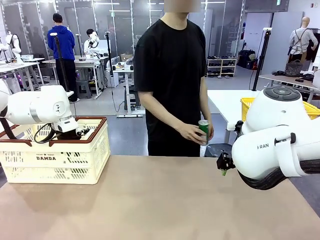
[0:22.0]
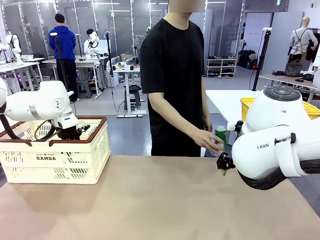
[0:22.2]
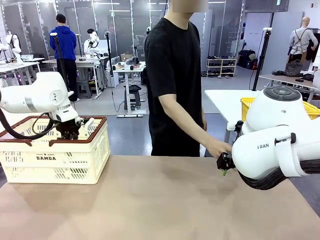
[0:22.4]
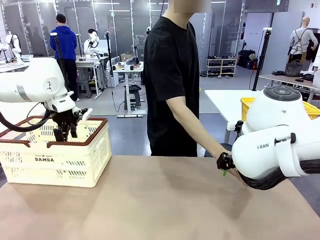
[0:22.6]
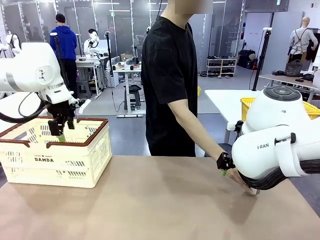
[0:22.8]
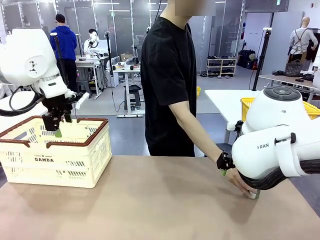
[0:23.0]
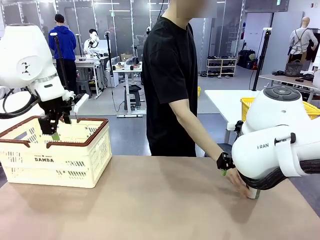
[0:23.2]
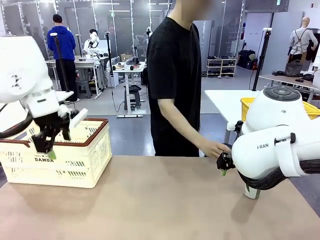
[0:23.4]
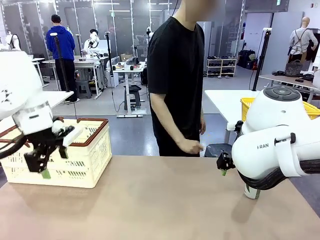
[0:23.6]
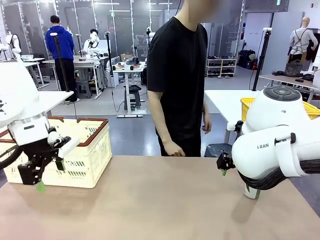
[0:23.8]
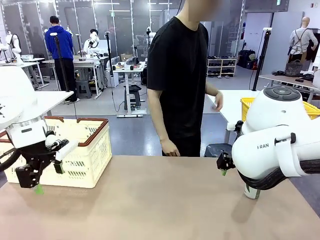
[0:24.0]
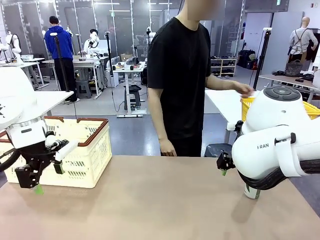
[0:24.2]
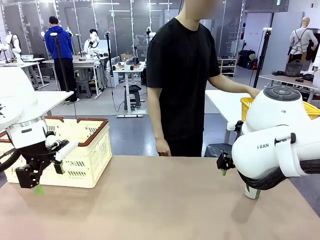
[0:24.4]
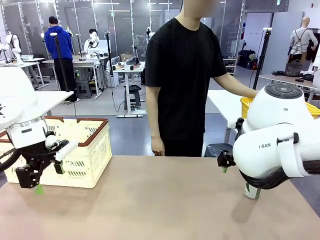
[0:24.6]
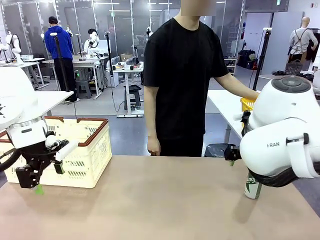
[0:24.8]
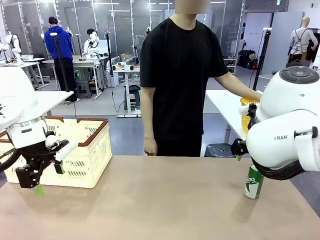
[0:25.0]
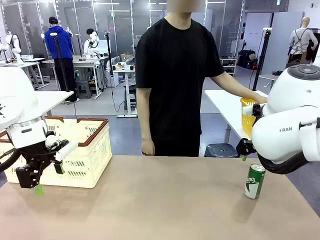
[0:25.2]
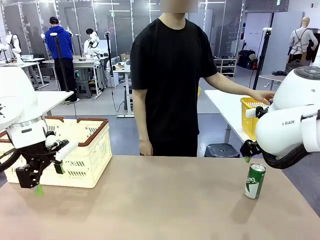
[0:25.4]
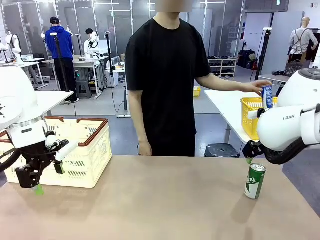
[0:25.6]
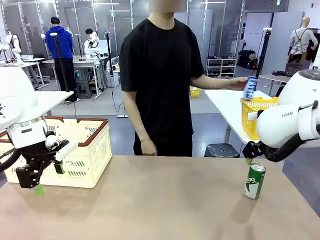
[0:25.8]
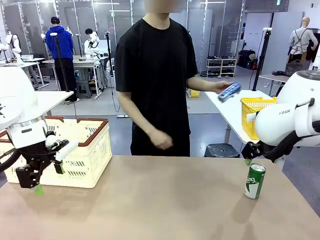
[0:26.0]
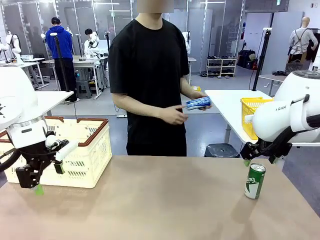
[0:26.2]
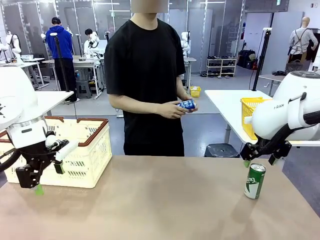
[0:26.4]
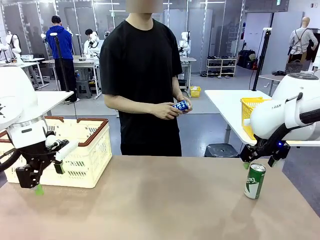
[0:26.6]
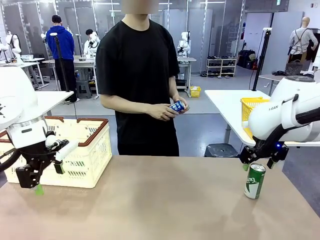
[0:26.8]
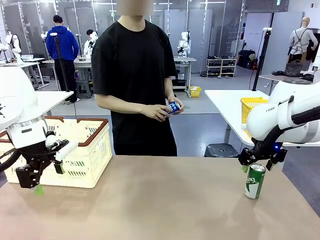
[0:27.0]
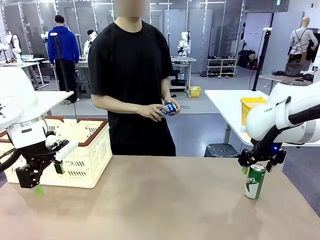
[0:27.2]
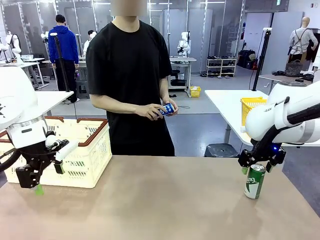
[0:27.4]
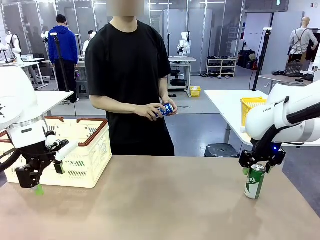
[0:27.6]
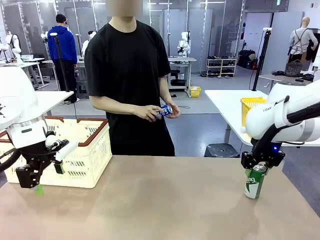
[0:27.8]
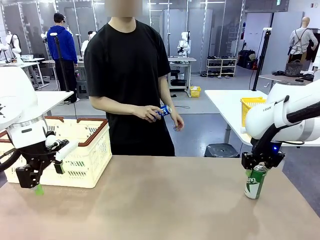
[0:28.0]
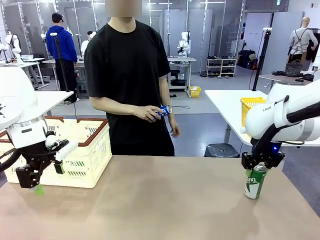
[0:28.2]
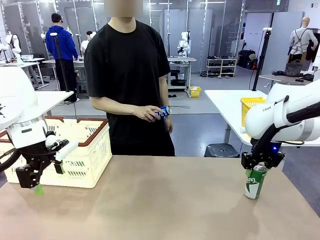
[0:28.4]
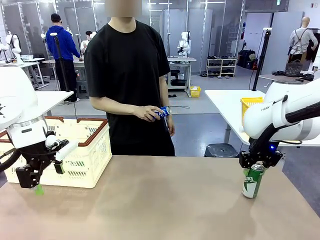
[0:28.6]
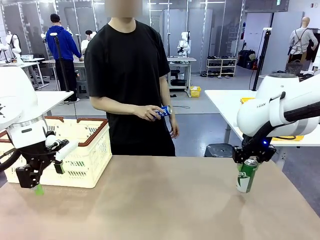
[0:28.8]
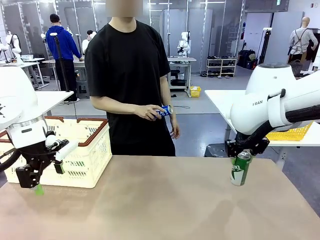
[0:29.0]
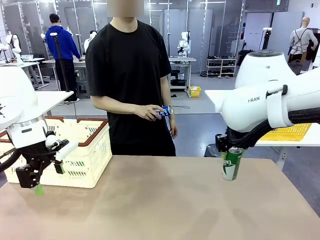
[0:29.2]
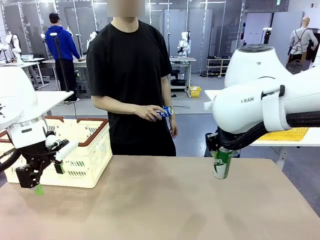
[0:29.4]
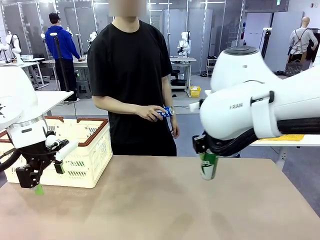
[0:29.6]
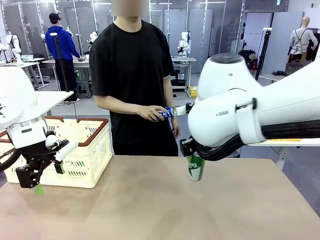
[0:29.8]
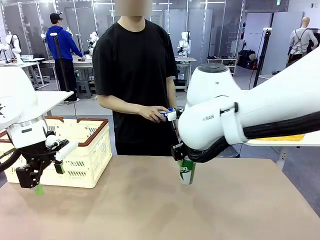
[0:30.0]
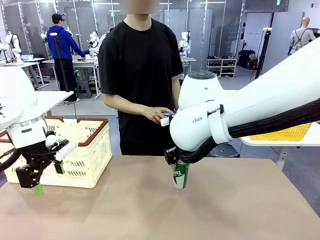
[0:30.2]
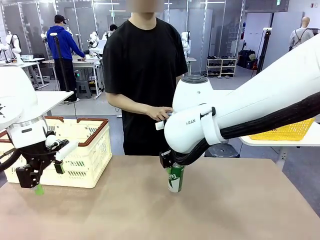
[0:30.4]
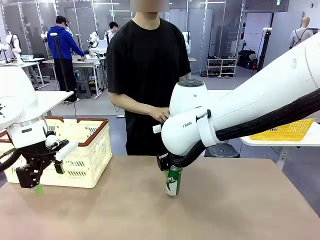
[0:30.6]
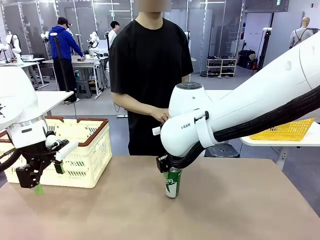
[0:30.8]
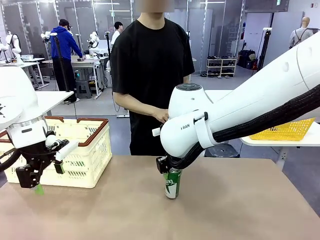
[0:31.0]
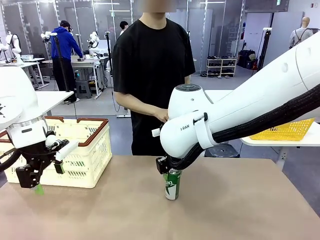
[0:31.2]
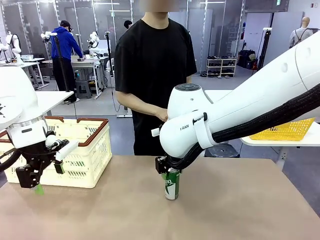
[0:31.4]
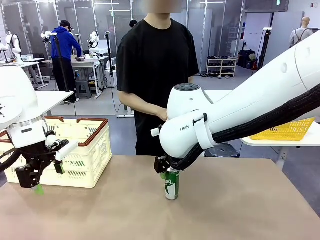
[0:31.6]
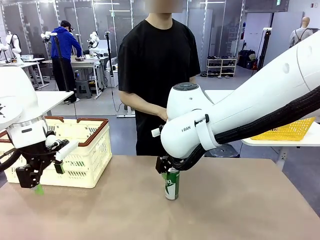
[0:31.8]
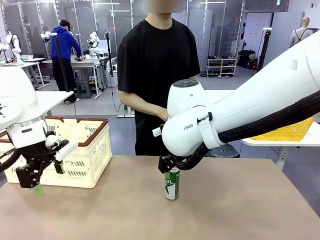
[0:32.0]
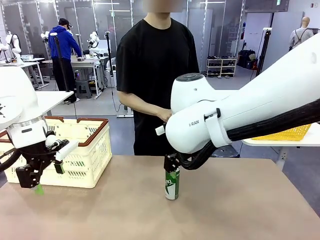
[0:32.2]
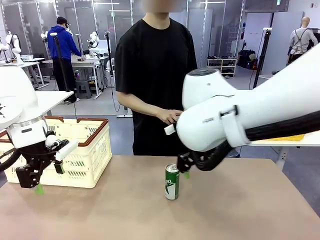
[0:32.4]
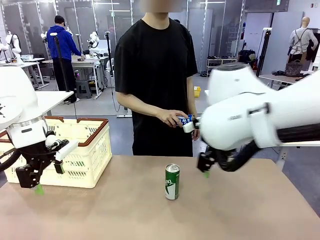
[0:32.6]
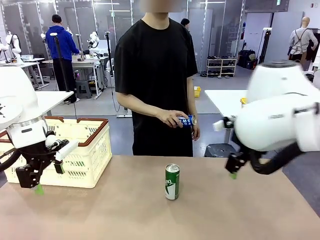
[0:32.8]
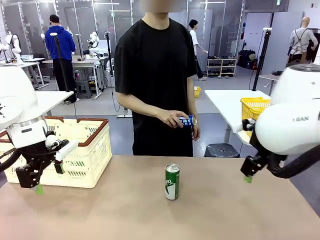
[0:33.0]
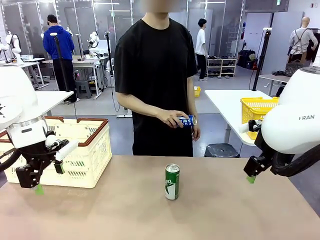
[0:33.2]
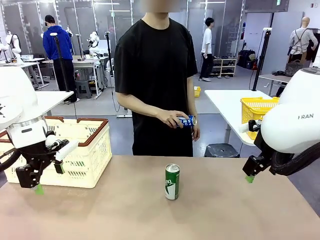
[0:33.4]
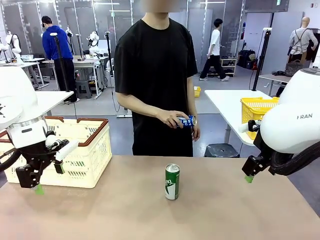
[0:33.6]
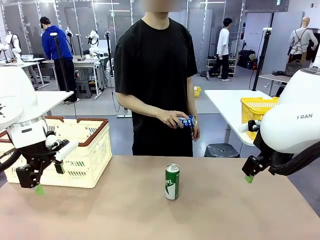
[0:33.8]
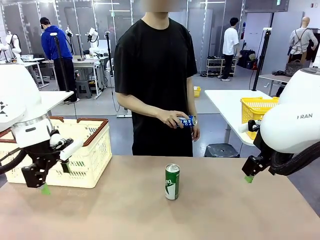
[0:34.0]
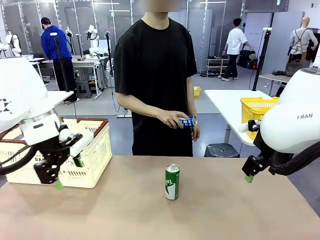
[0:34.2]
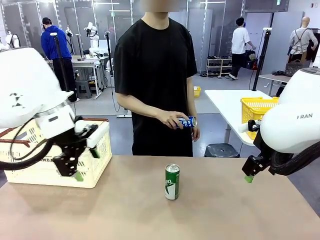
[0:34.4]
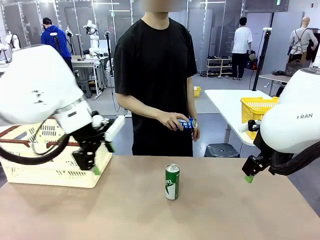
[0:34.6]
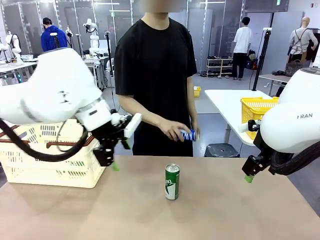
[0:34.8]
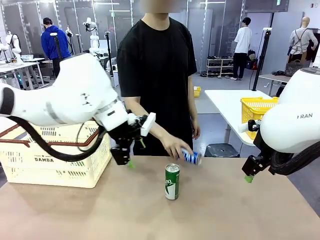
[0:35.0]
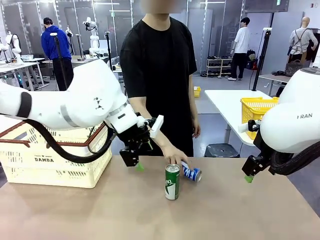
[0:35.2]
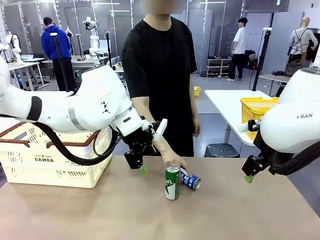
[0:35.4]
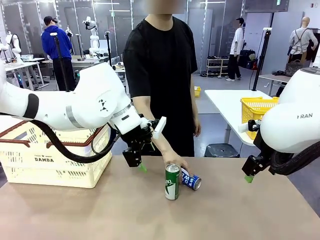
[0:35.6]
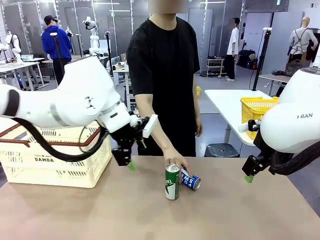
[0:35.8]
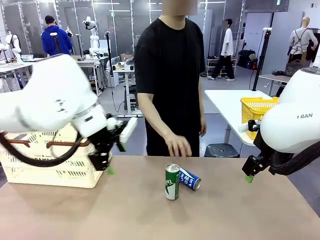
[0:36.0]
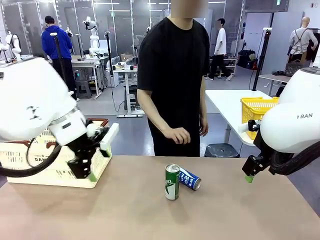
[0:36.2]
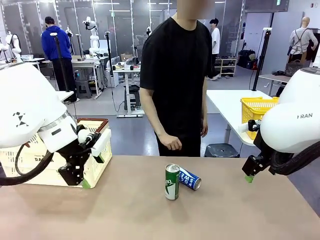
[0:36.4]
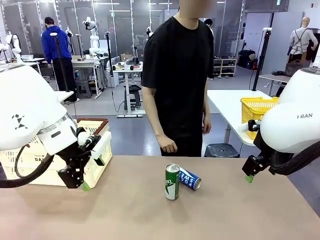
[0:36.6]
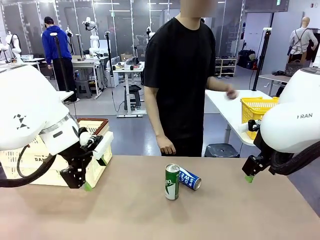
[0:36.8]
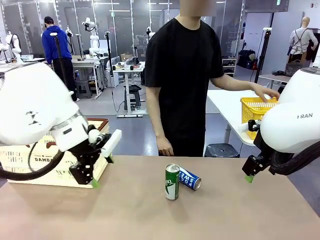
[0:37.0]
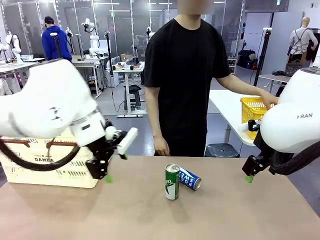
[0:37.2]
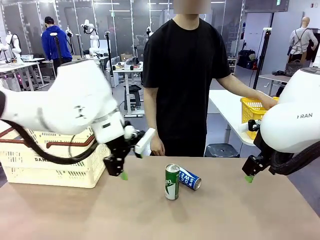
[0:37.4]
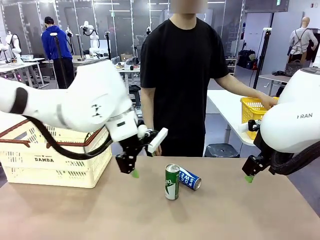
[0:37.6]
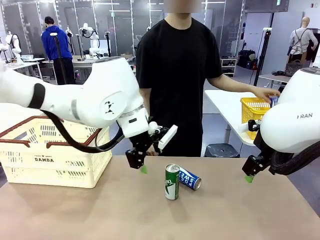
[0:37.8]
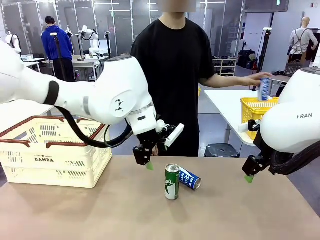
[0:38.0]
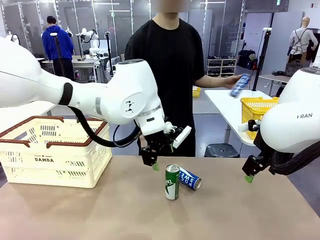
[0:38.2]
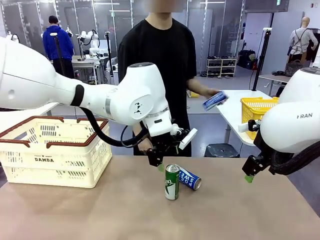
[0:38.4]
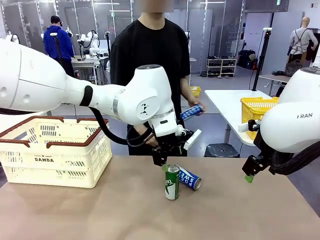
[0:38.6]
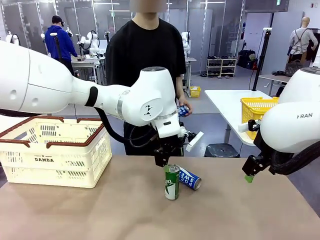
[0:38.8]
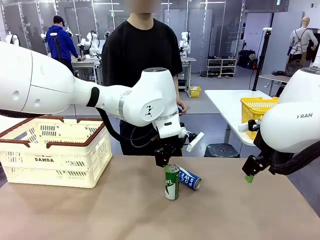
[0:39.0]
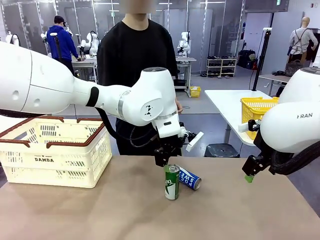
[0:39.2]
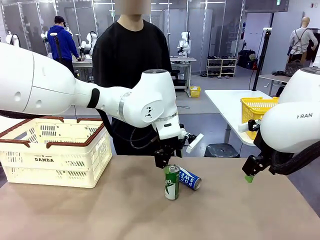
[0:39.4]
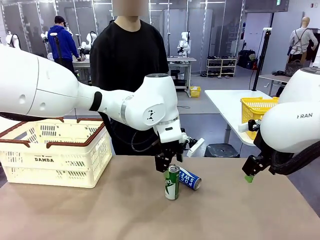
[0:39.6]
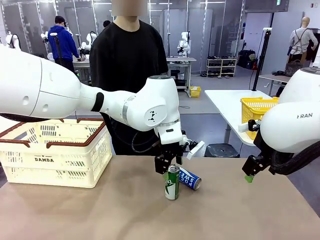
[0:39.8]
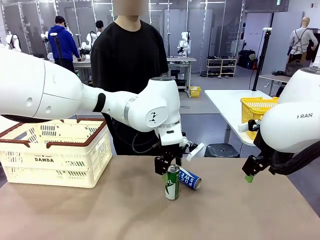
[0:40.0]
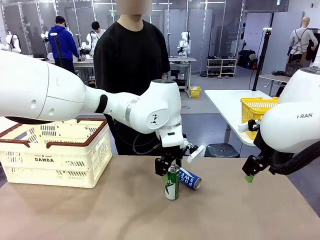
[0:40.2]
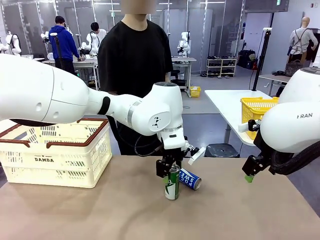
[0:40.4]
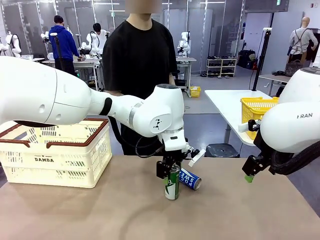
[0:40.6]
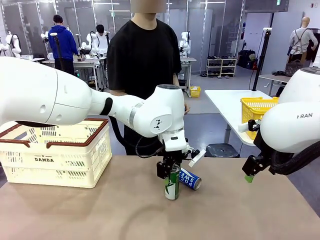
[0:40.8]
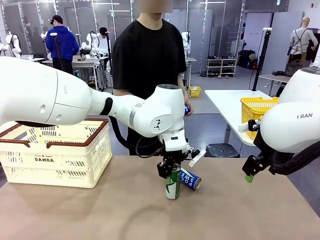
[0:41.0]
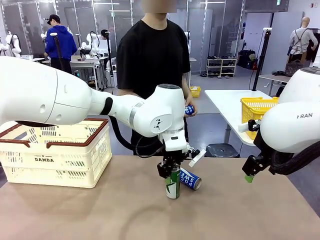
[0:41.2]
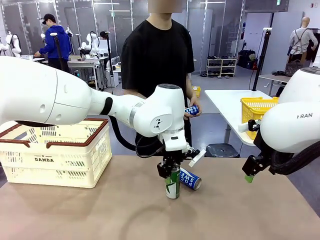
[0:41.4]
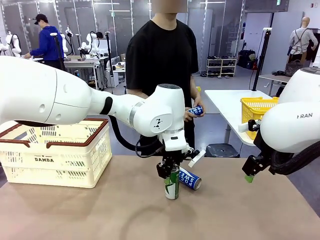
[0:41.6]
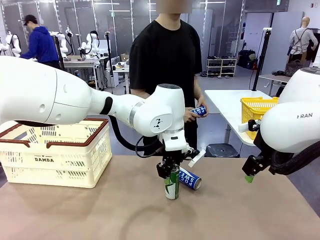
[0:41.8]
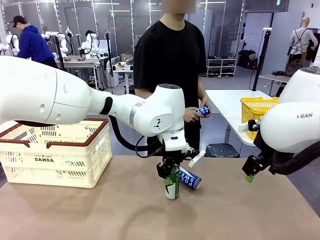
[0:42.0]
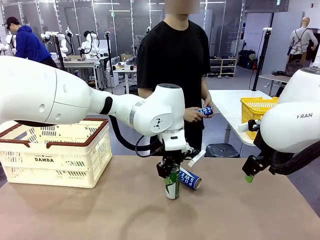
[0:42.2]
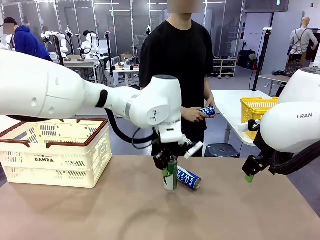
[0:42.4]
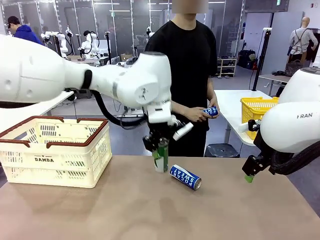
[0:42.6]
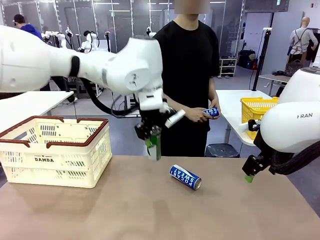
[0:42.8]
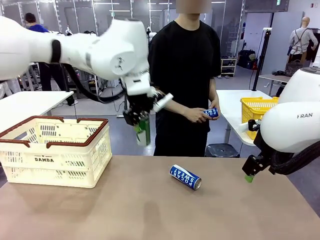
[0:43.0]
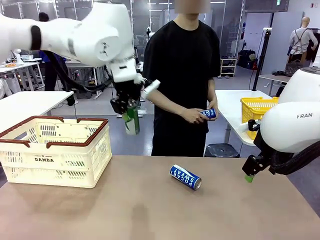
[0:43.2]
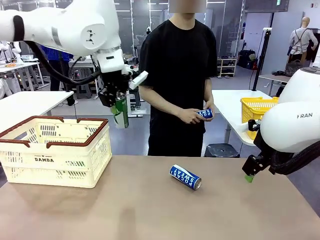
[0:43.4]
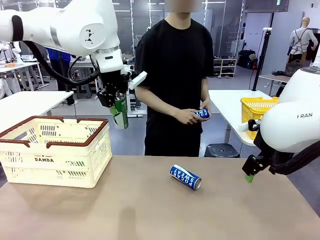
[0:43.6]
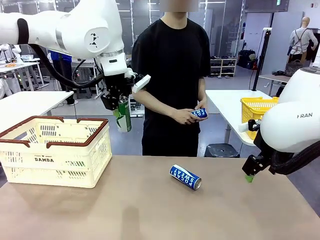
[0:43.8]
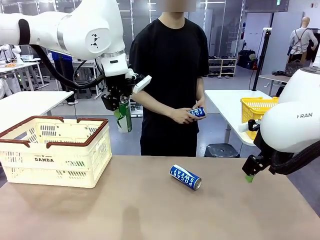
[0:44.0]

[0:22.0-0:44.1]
Task: Place the drinks into the Shopping basket.
Robot: Pick up one drink and place it into the Shopping basket.
